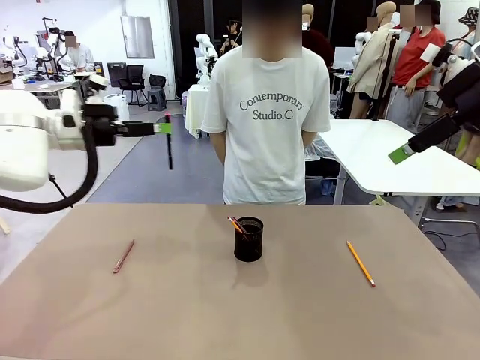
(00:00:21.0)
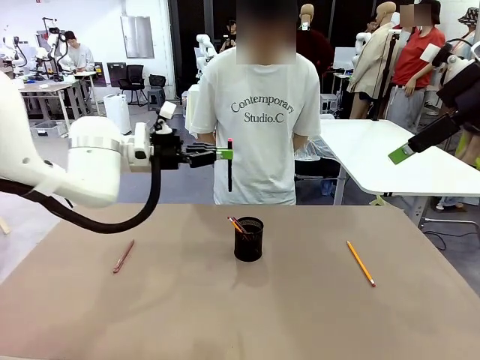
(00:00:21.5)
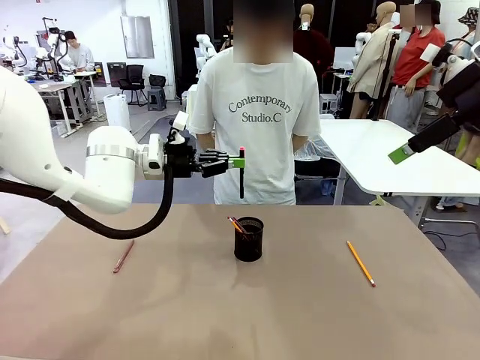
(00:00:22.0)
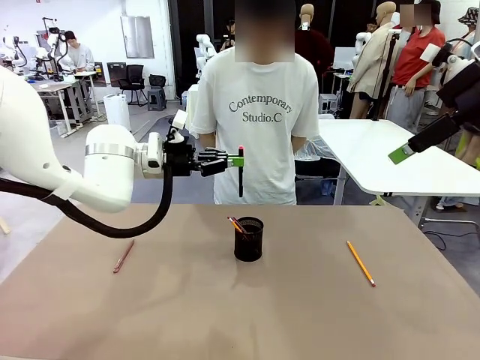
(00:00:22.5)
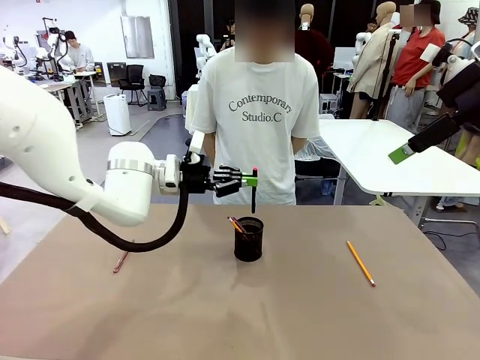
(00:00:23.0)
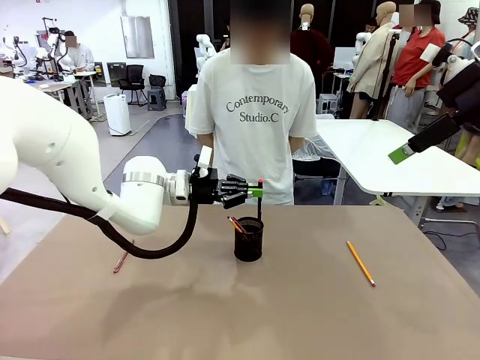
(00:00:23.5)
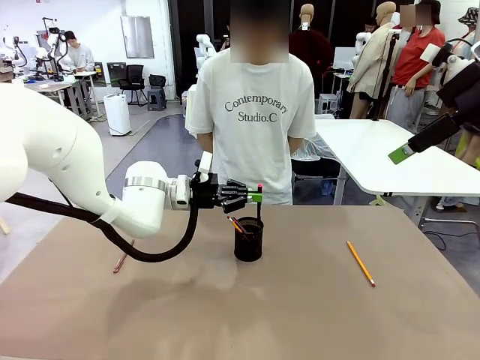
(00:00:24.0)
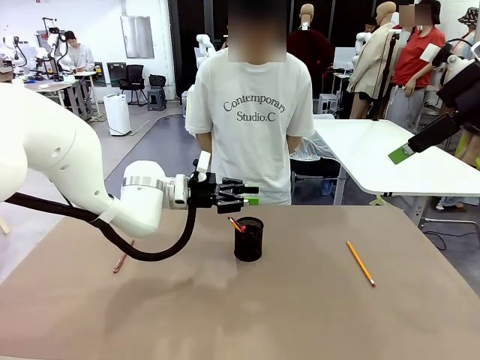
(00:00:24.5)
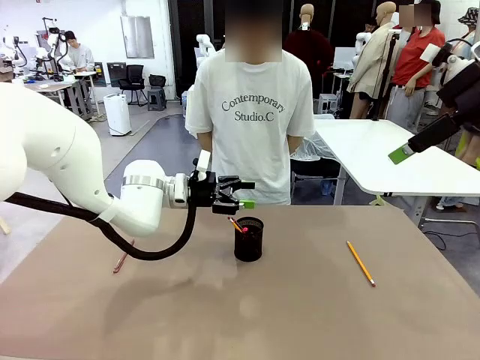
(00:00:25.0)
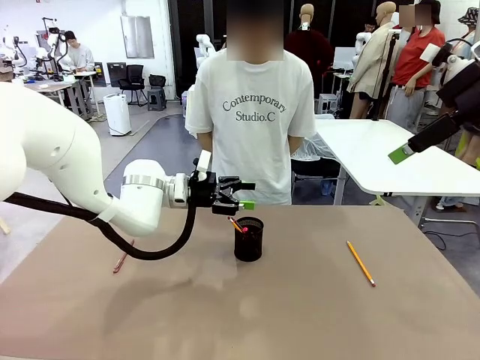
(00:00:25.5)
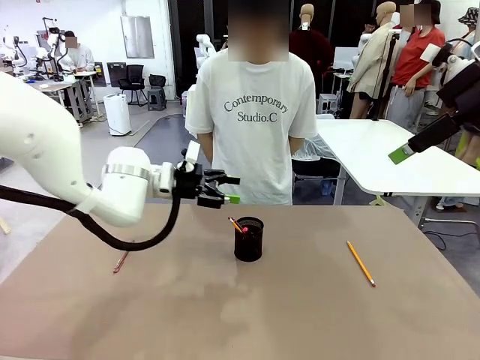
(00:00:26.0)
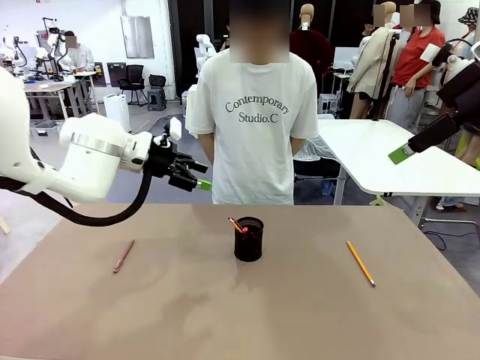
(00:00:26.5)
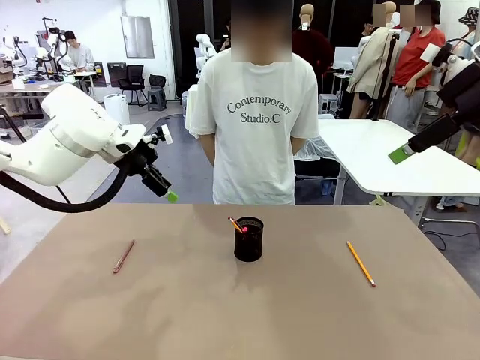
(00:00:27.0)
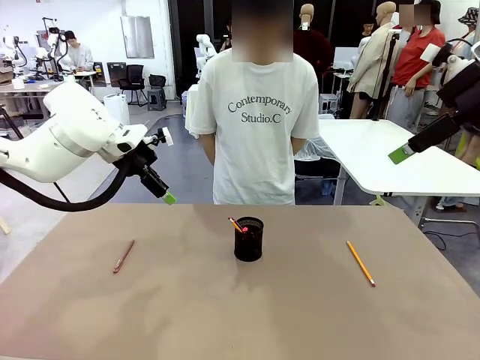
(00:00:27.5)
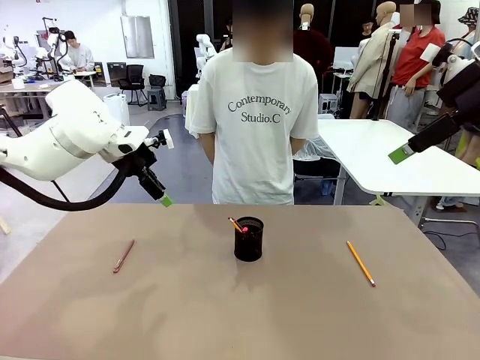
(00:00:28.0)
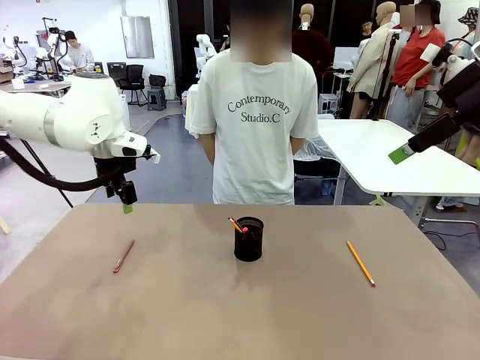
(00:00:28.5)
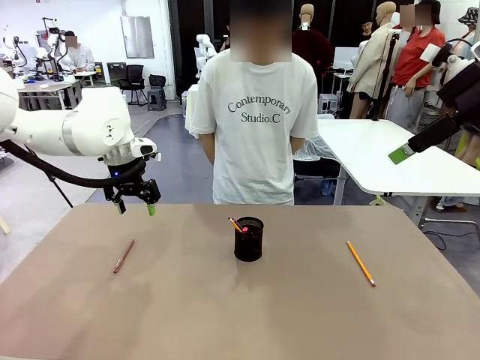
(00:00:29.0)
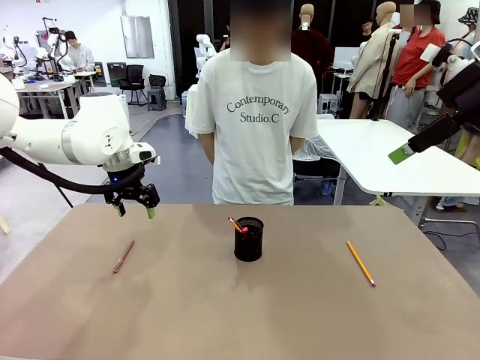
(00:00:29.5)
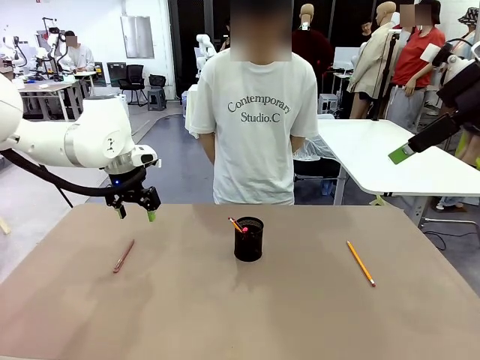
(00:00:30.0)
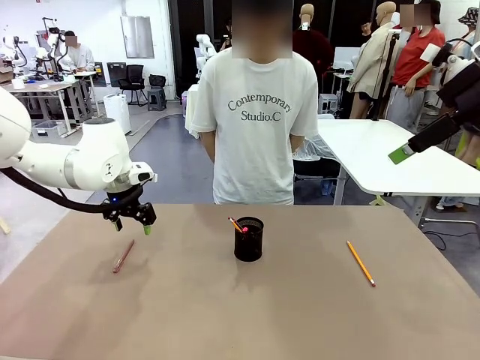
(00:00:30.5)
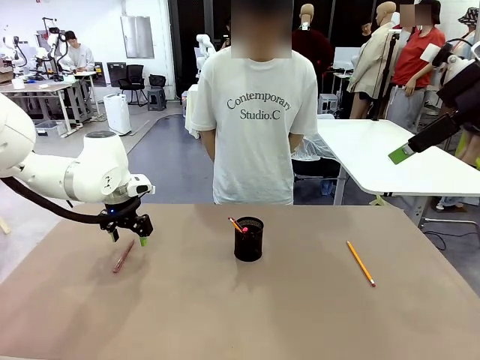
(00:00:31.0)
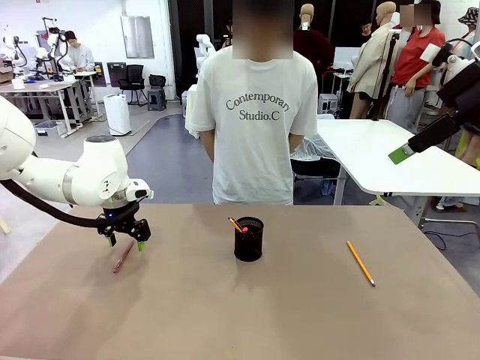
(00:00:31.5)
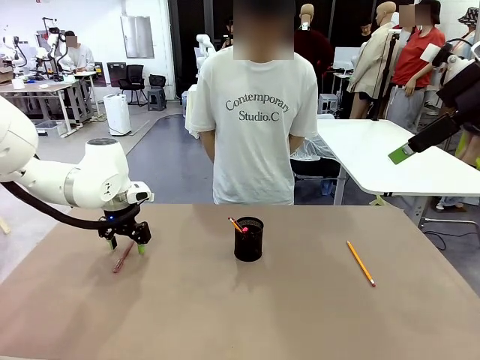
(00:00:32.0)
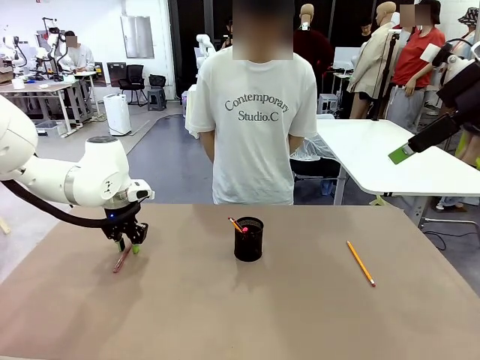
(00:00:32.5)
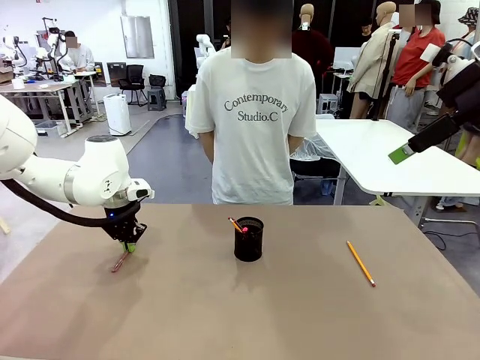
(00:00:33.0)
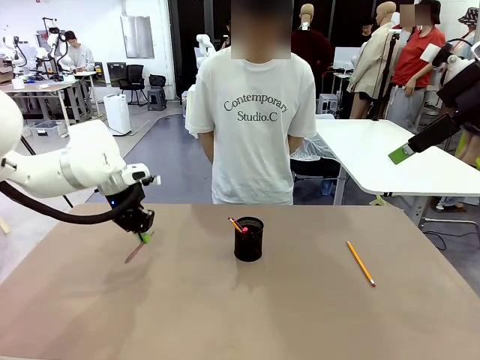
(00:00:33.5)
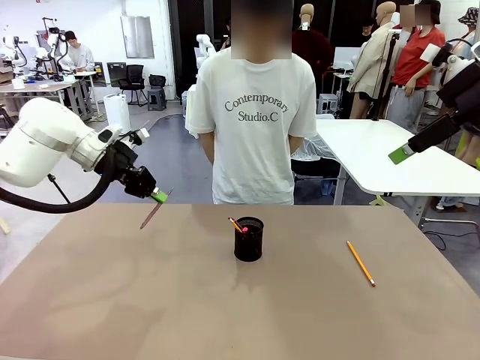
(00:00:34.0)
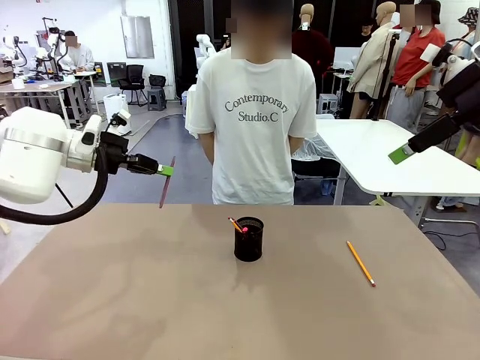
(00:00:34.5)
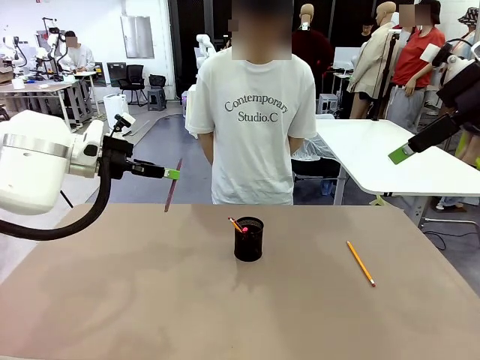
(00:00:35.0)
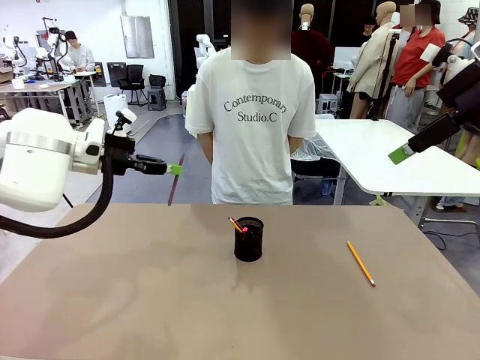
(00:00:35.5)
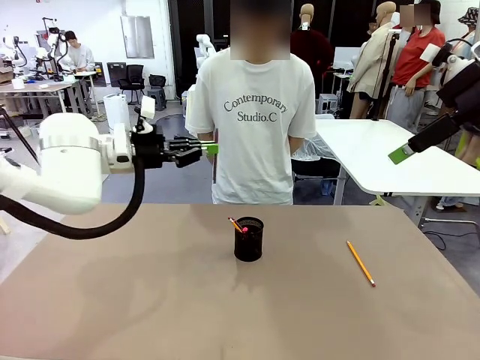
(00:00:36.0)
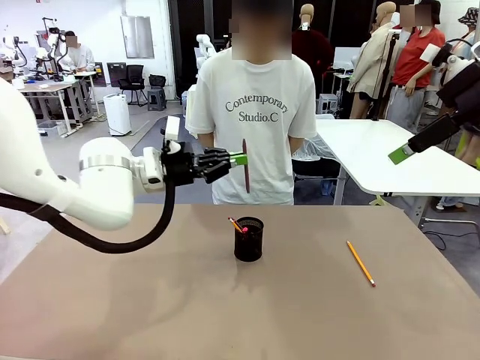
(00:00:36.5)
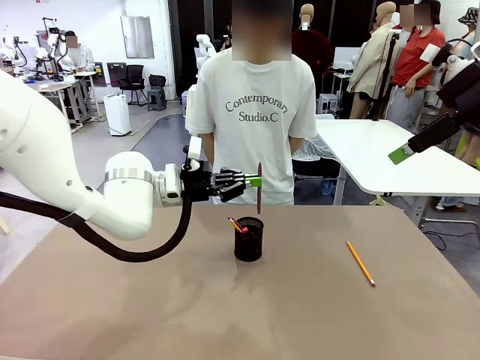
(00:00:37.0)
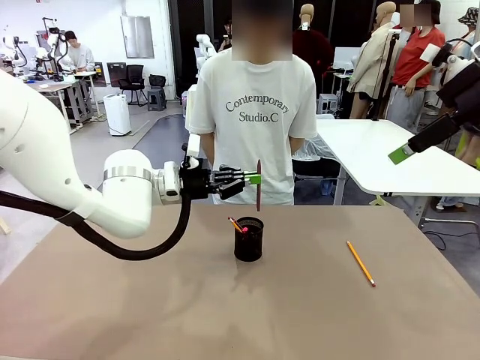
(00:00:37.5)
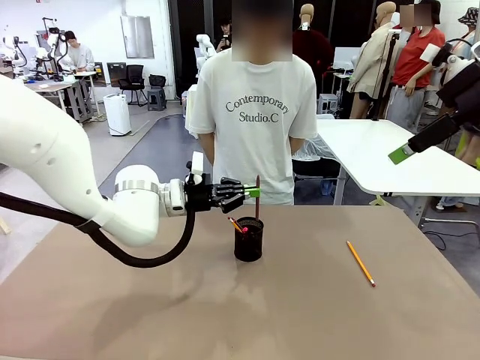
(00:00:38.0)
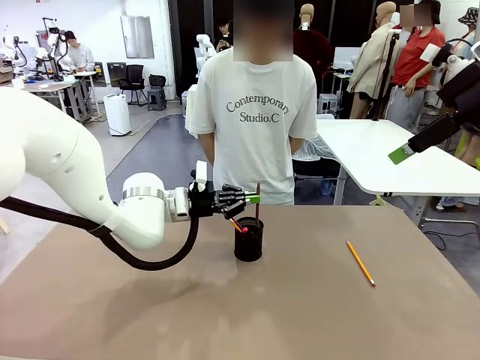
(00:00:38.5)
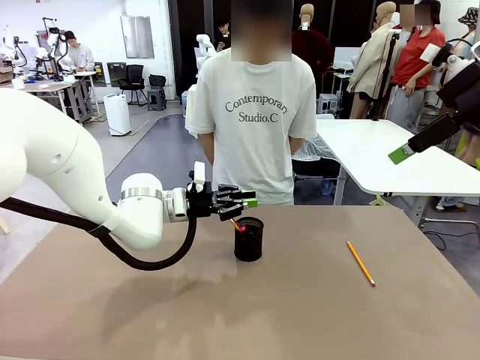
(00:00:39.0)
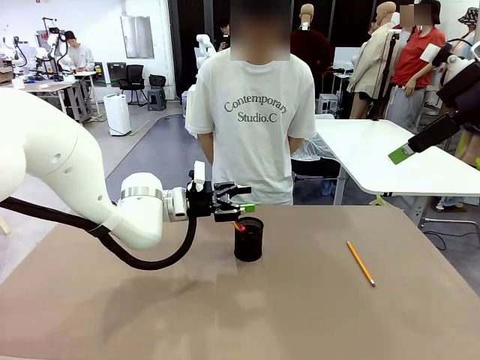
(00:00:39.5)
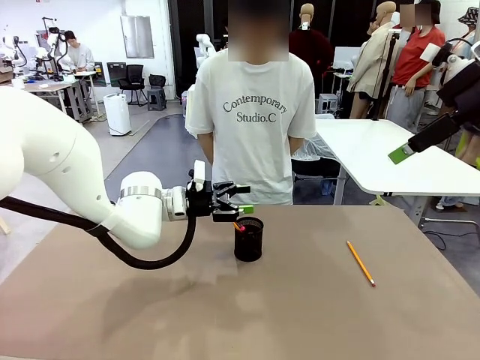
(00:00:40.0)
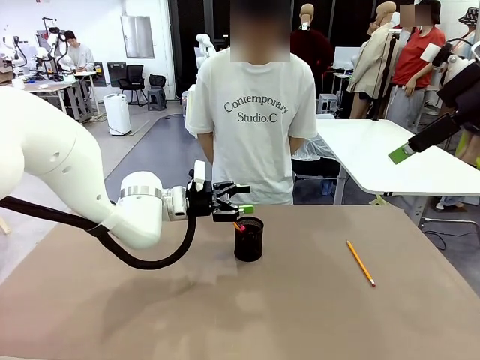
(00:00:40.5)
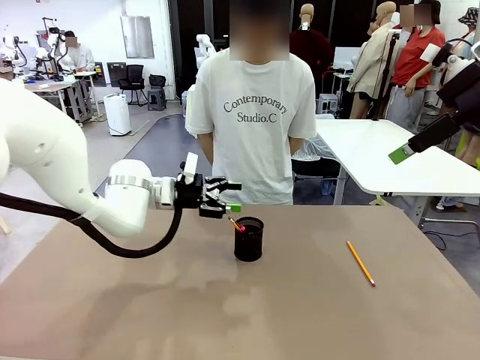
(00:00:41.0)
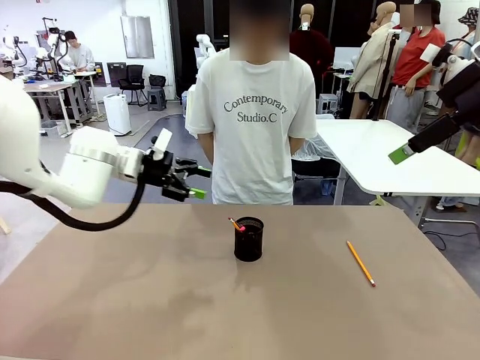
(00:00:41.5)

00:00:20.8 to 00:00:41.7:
Task: Place the pens into the pen holder.
Robot: Pick up a writing instrument from the table and place it into the Pen holder.
